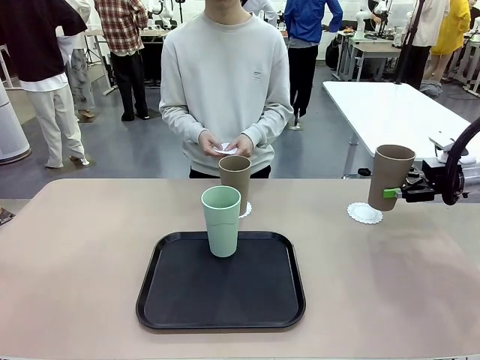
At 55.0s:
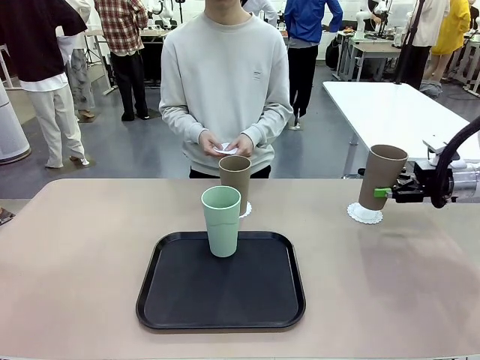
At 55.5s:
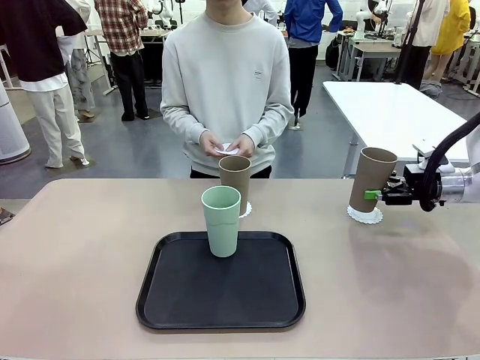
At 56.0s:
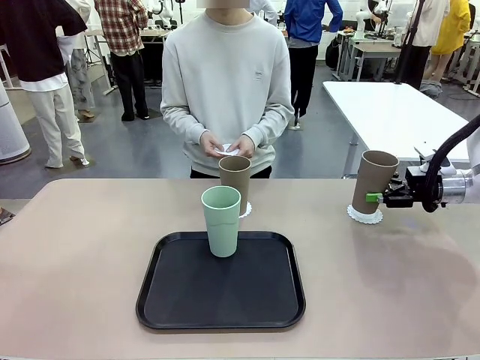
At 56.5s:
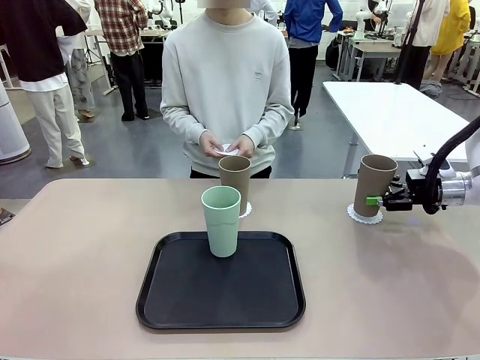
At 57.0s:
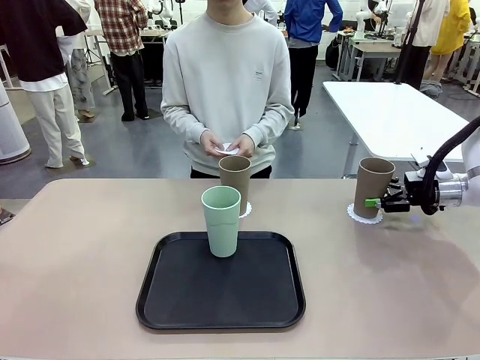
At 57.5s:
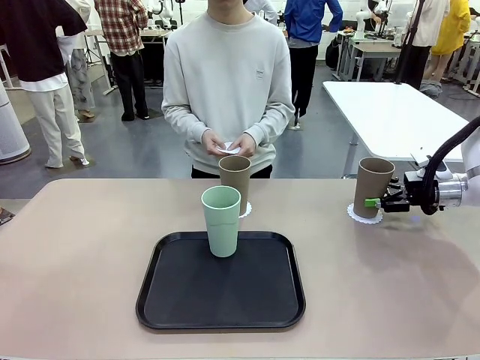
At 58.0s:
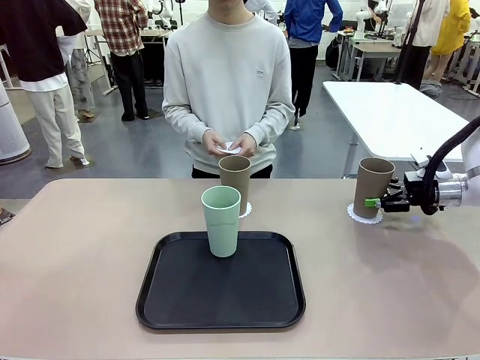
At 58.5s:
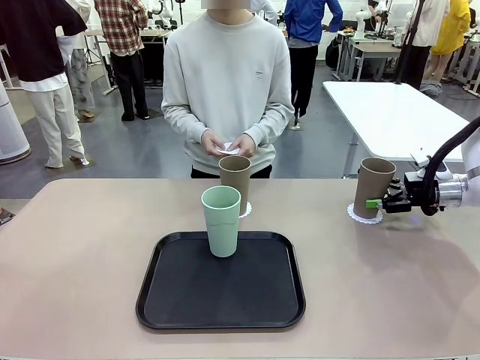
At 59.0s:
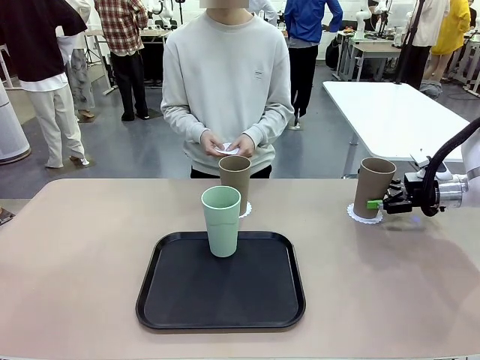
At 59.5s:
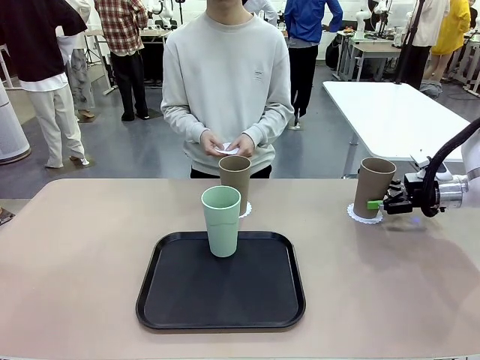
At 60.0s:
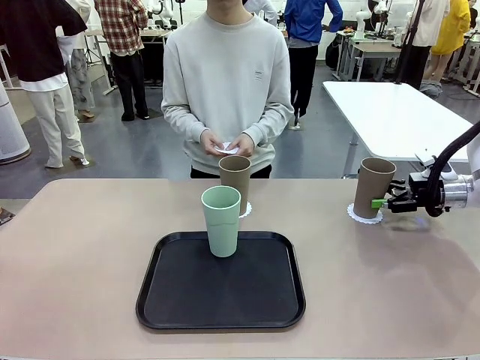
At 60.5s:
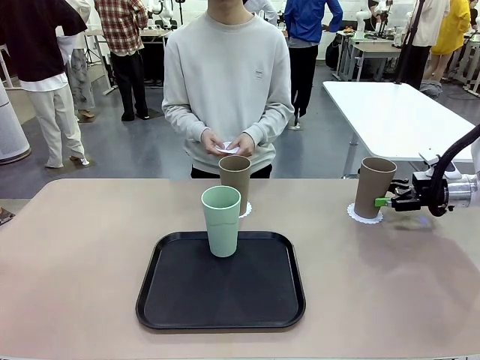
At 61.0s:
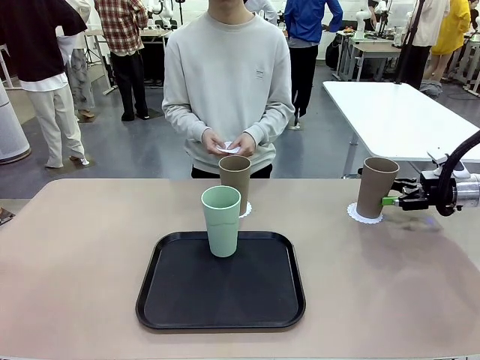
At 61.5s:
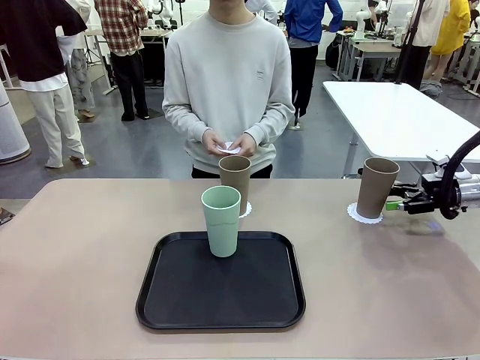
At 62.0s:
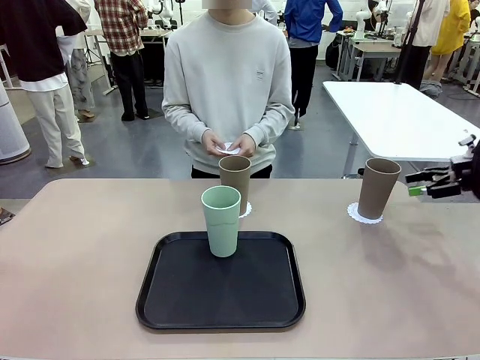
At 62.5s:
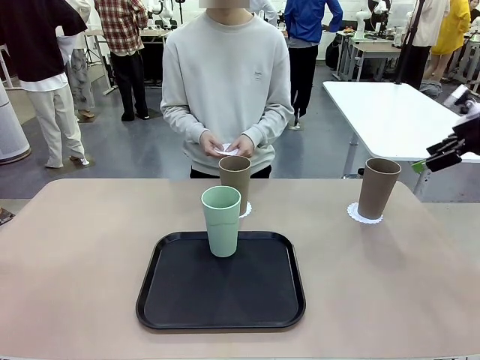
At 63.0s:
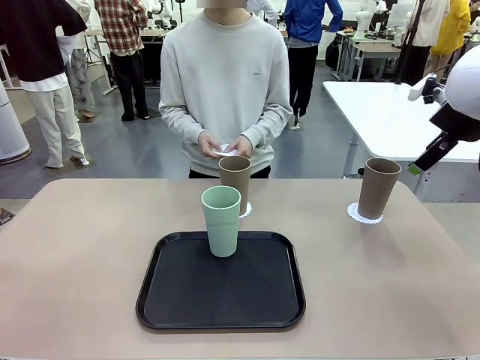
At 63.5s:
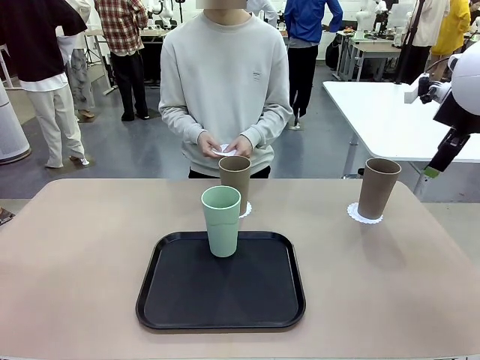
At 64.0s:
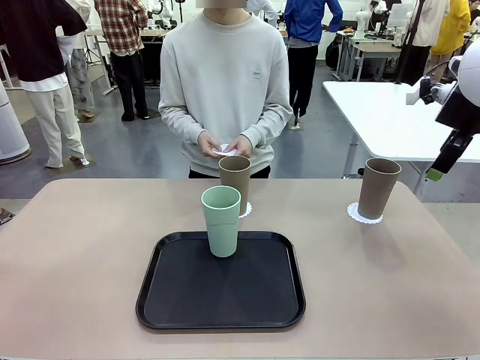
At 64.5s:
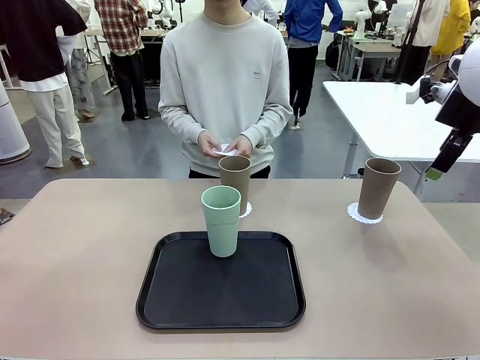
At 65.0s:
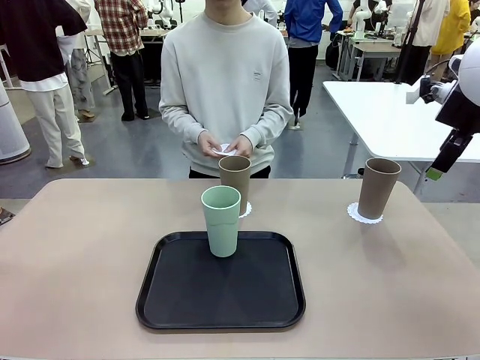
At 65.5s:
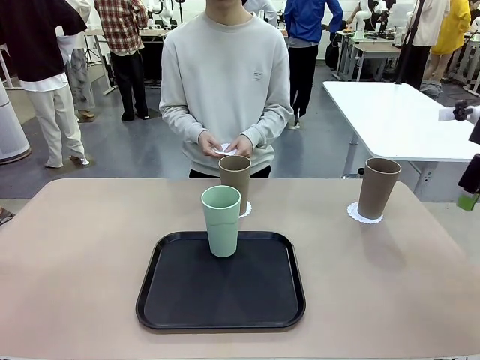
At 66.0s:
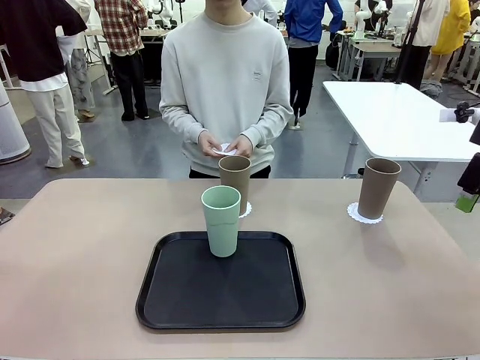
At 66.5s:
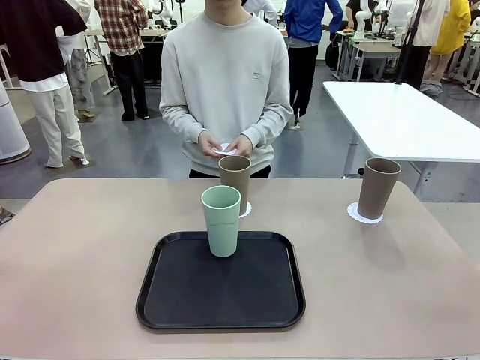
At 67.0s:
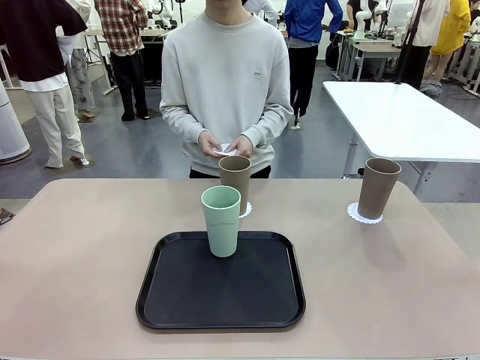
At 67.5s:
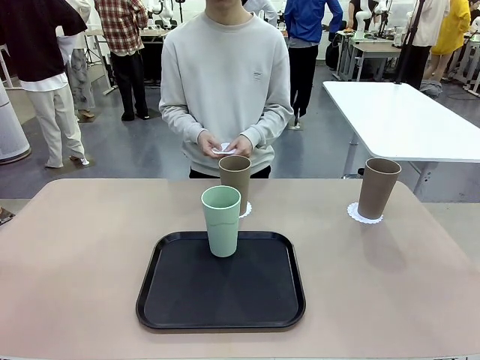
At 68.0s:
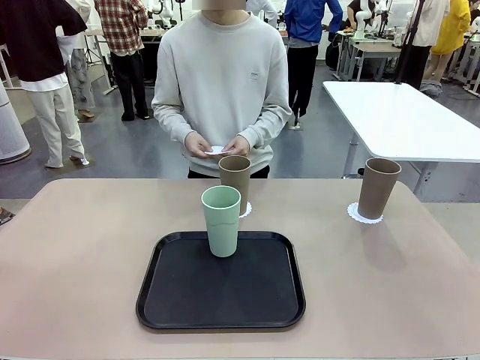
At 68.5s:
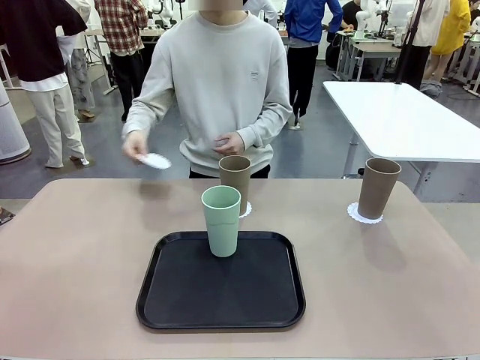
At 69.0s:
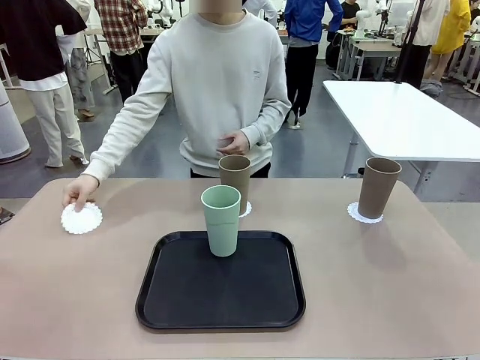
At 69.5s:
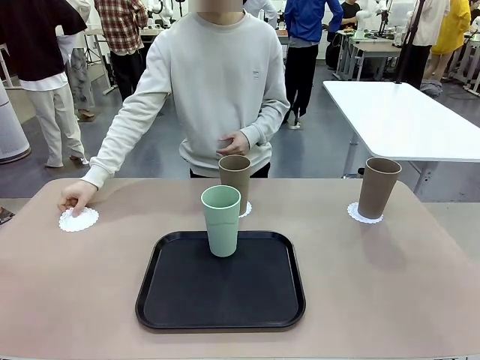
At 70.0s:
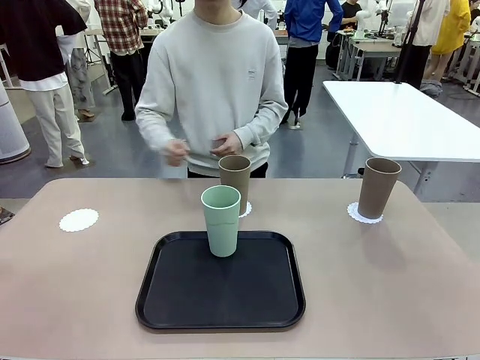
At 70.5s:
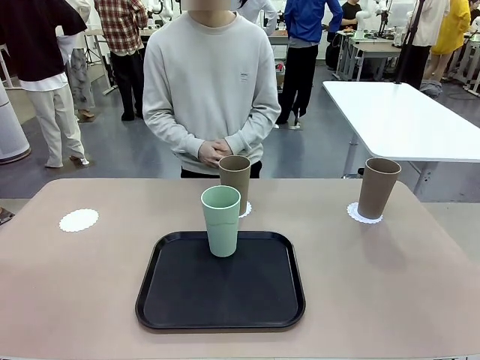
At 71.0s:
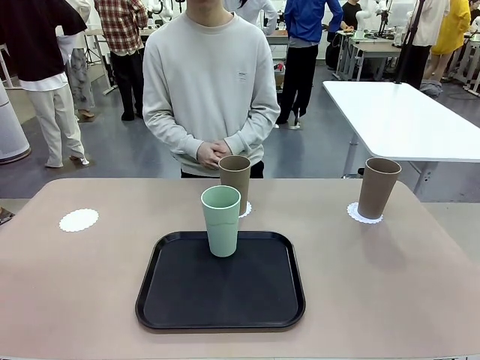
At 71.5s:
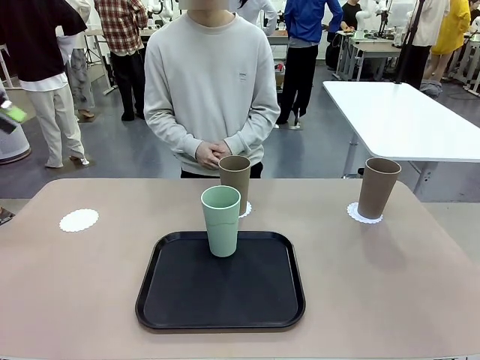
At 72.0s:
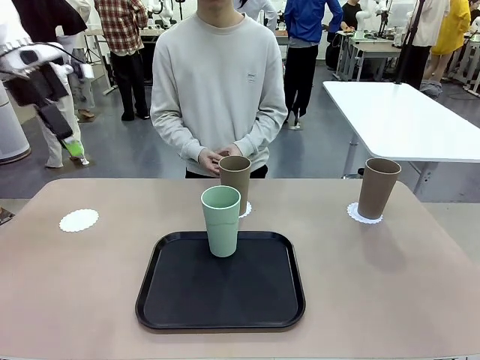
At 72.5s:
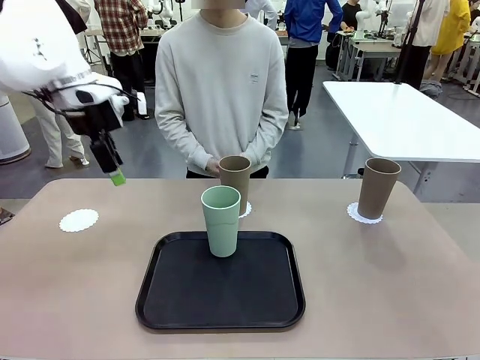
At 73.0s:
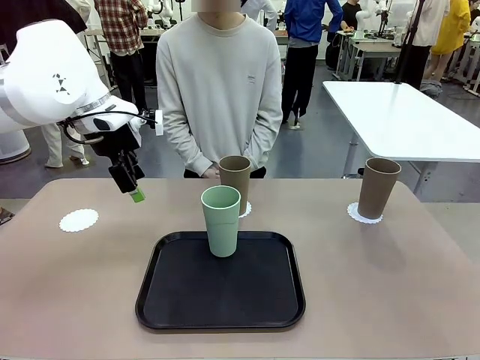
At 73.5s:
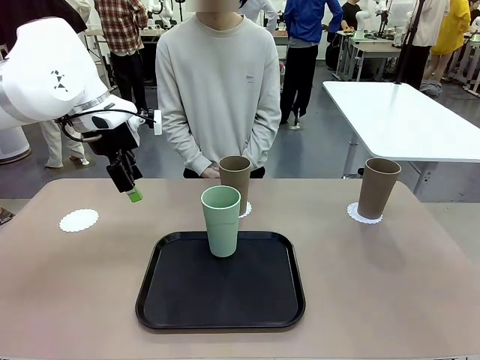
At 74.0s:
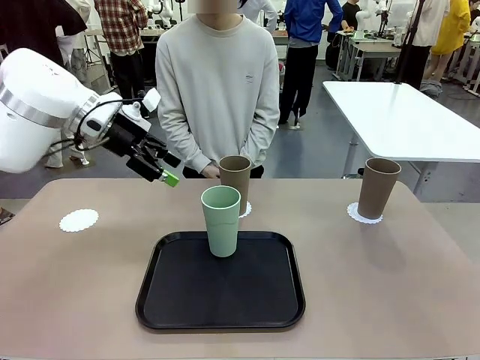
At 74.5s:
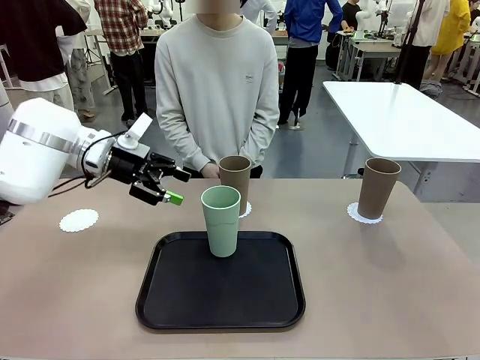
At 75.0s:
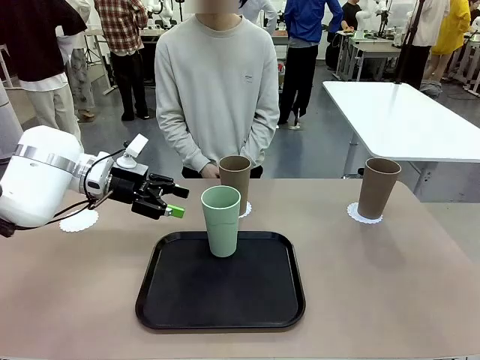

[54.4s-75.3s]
Task: Place coasters on the table and set cups on them.
Robot: Take one Reusable plastic cup from the Flat Tray and place it on a coaster set by the human.

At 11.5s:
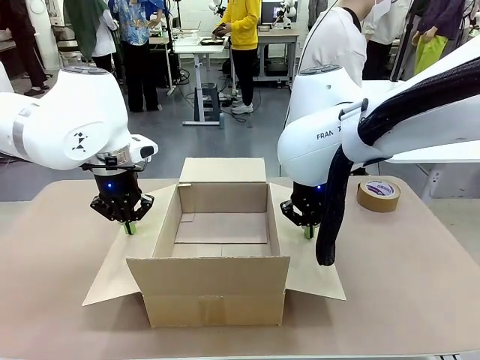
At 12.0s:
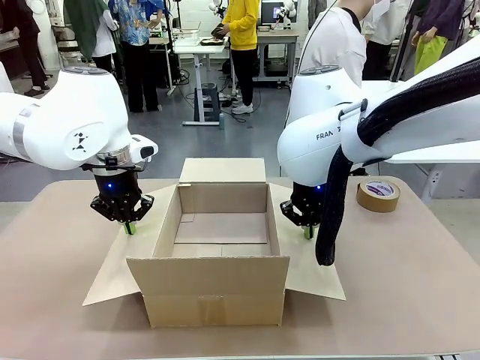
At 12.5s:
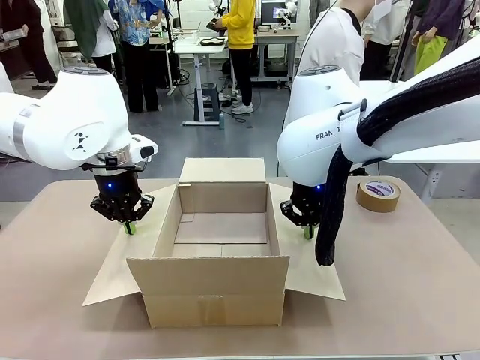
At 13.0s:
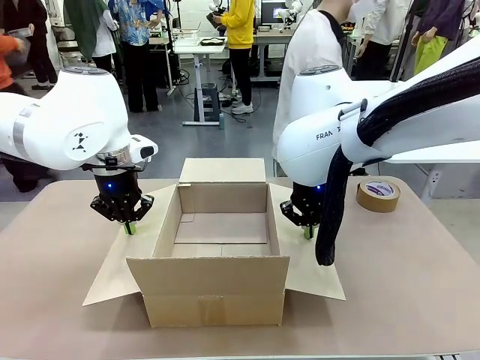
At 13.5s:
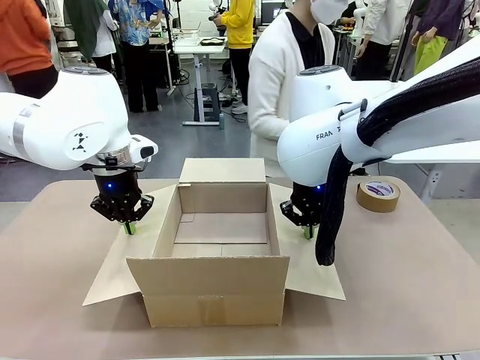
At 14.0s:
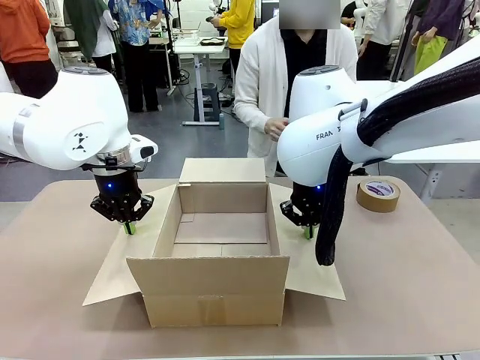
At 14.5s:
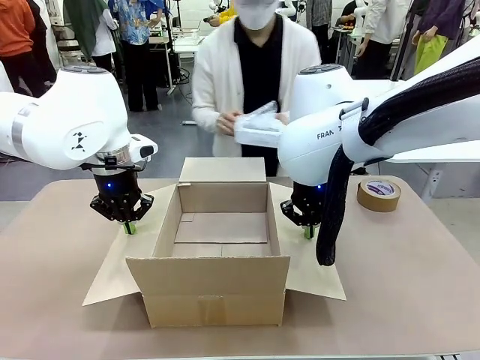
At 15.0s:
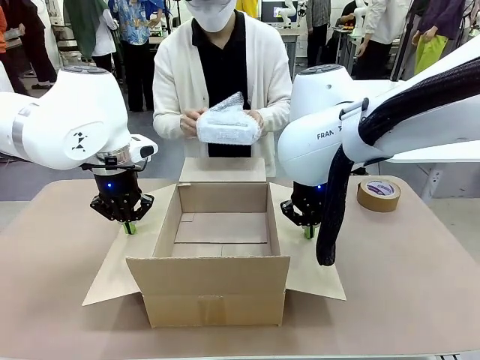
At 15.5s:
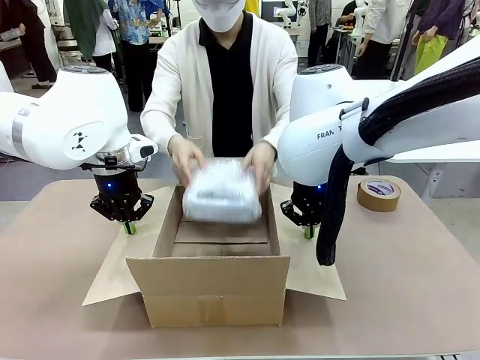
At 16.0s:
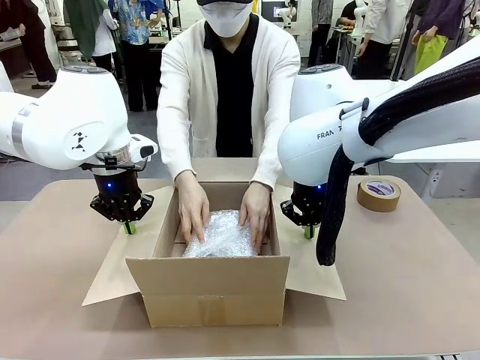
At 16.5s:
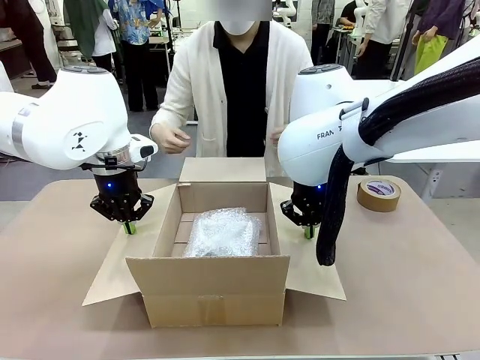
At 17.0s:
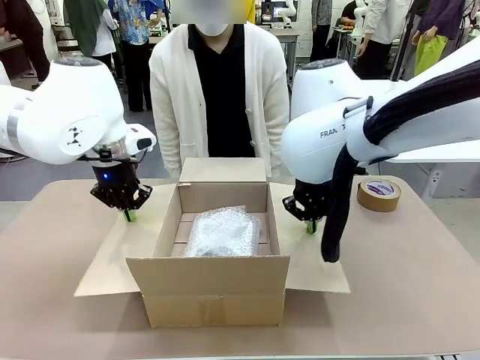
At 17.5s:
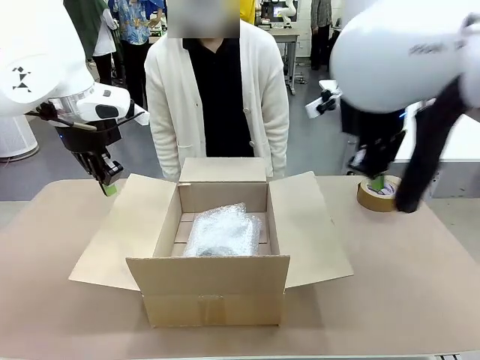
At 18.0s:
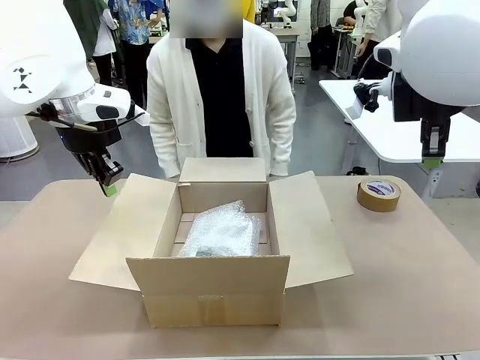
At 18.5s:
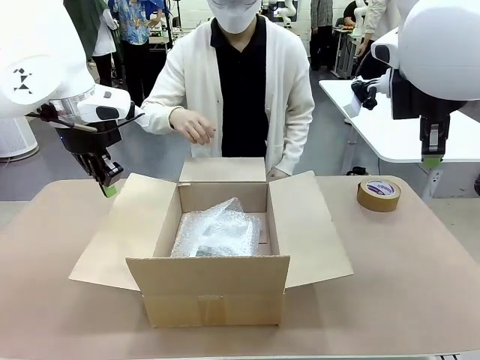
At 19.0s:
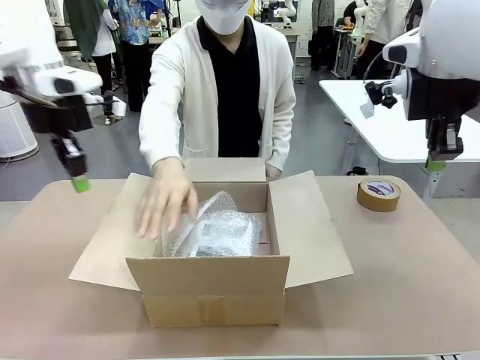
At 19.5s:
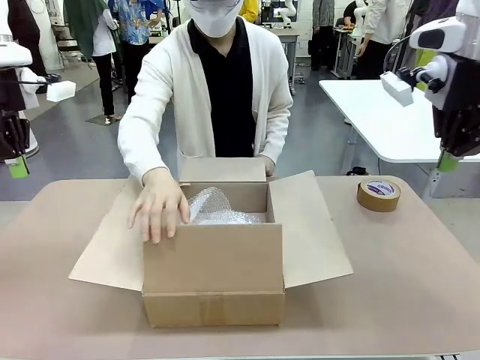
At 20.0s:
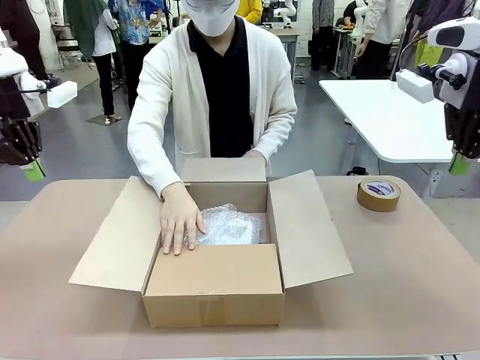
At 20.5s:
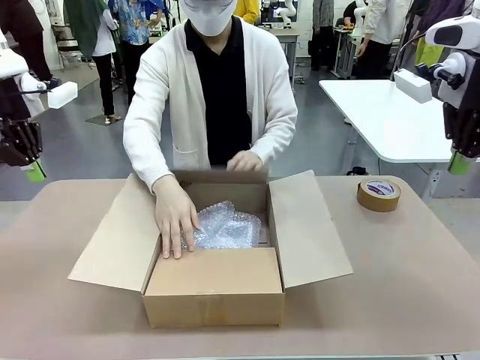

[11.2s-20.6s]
Task: Wrap the clocks to prevent damage.
Robot: Once the human has placed the objects inside and stepped back, release both hands from the side flaps of the Package Box.
Person: Place the wrapped Digital clocks inside the Package Box. Hold the top and bottom flaps of the Package Box closed with your left (or right) hand.
